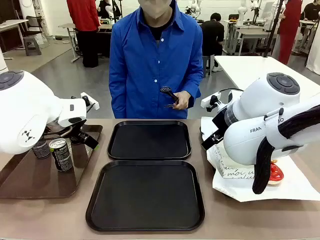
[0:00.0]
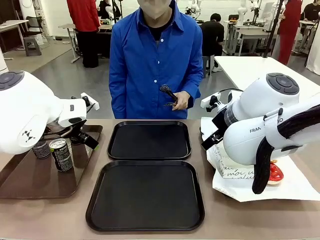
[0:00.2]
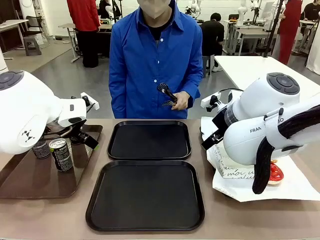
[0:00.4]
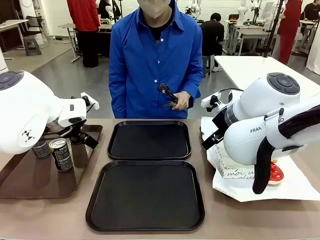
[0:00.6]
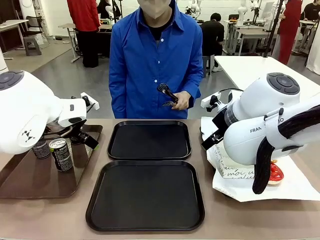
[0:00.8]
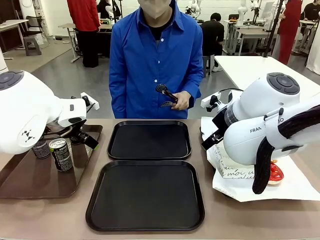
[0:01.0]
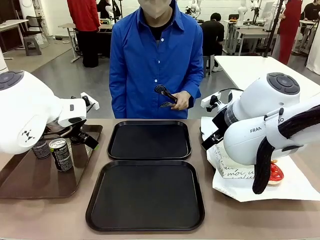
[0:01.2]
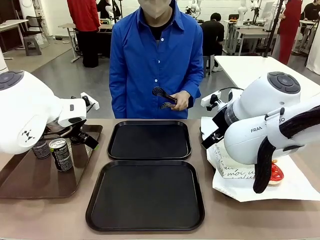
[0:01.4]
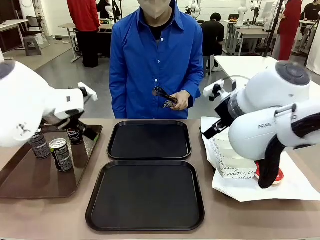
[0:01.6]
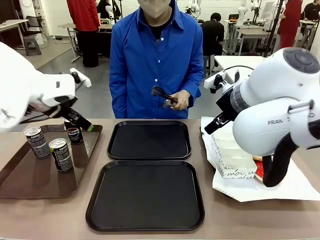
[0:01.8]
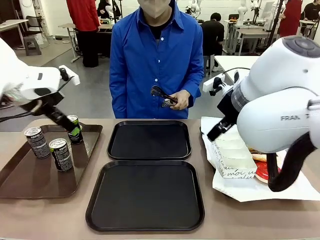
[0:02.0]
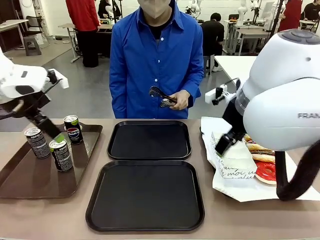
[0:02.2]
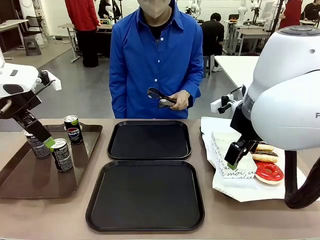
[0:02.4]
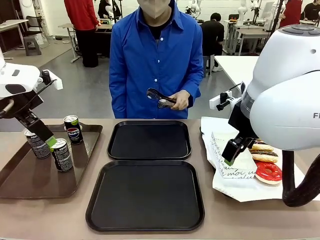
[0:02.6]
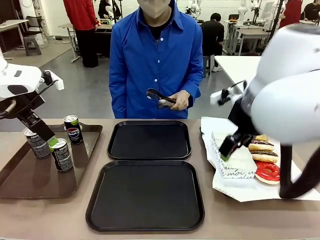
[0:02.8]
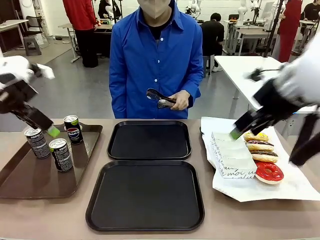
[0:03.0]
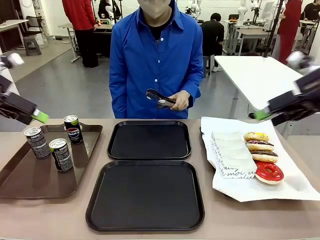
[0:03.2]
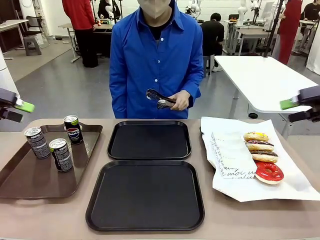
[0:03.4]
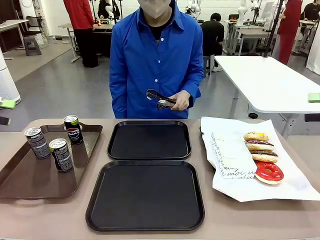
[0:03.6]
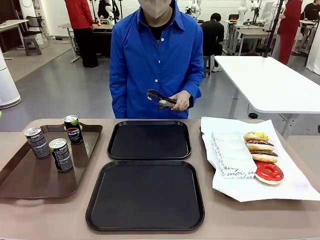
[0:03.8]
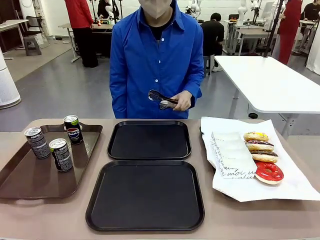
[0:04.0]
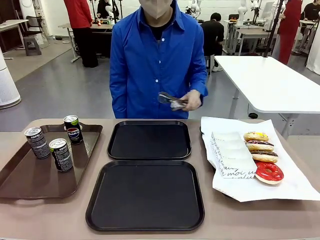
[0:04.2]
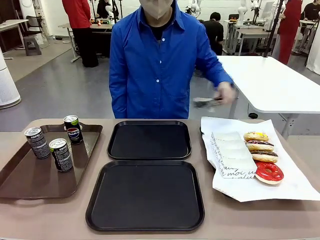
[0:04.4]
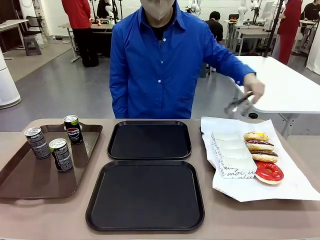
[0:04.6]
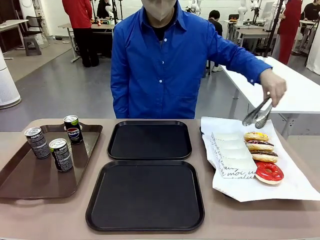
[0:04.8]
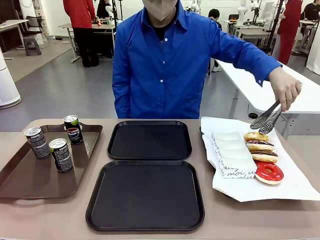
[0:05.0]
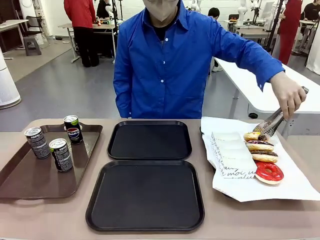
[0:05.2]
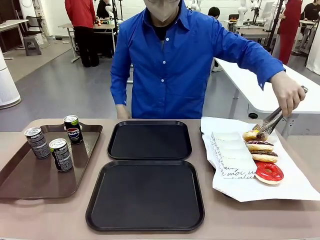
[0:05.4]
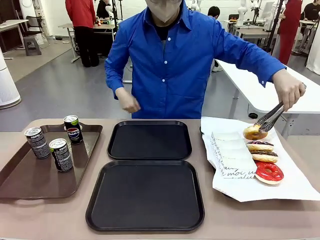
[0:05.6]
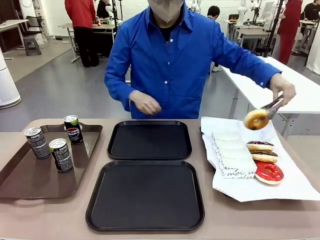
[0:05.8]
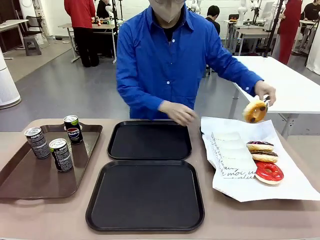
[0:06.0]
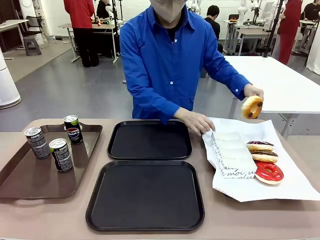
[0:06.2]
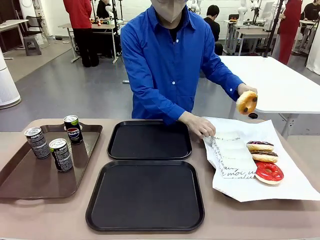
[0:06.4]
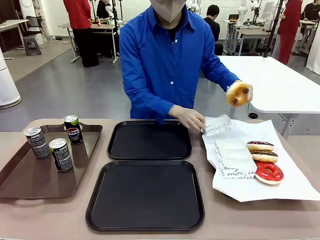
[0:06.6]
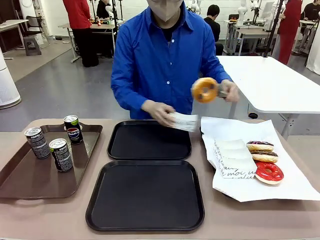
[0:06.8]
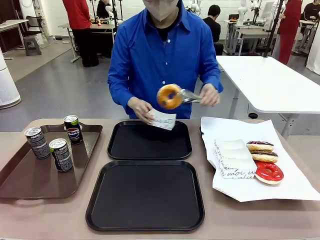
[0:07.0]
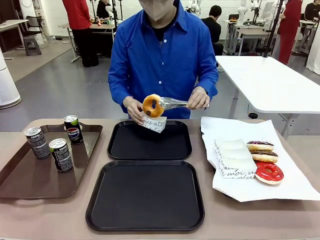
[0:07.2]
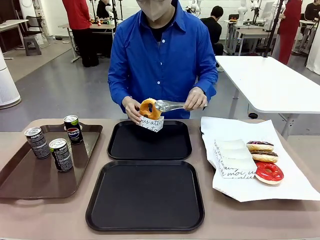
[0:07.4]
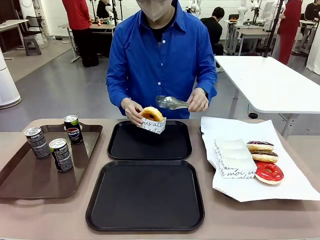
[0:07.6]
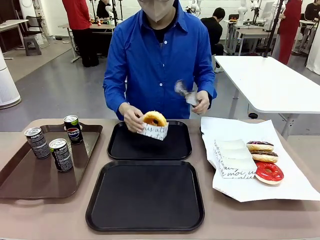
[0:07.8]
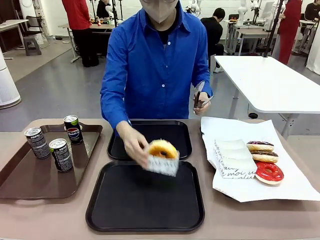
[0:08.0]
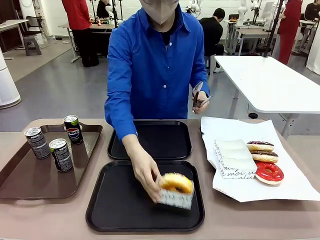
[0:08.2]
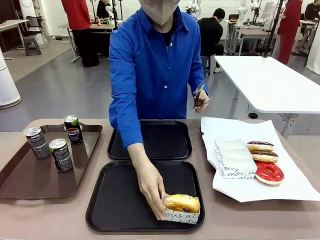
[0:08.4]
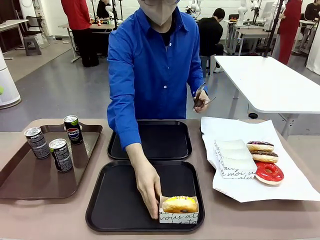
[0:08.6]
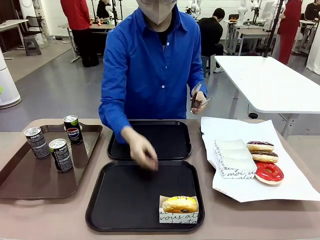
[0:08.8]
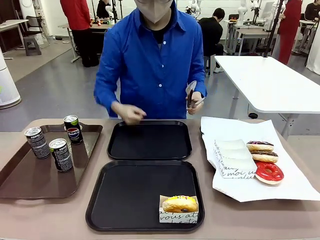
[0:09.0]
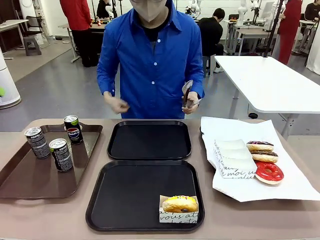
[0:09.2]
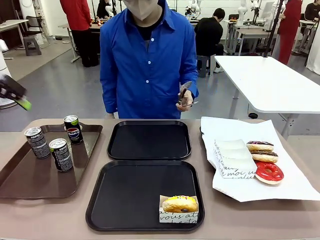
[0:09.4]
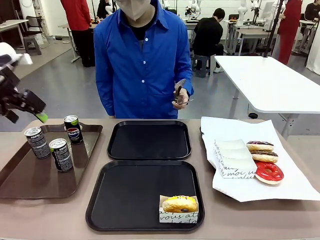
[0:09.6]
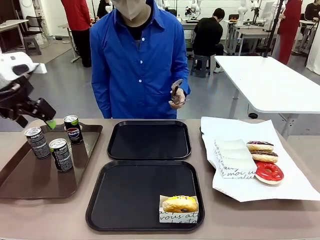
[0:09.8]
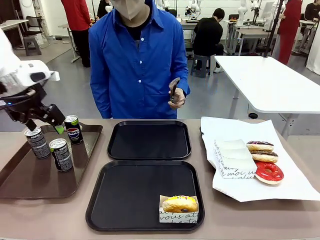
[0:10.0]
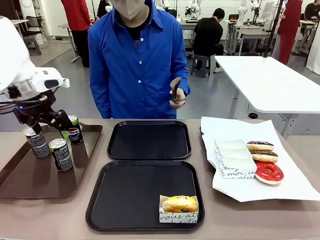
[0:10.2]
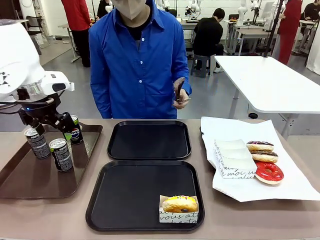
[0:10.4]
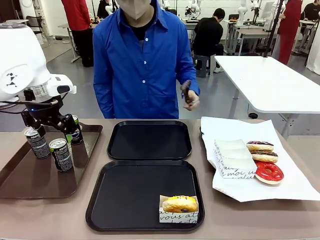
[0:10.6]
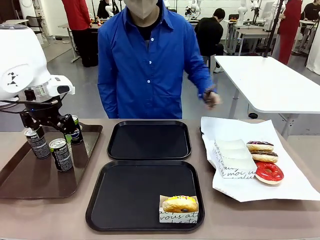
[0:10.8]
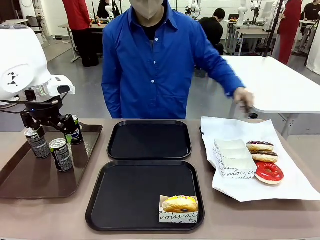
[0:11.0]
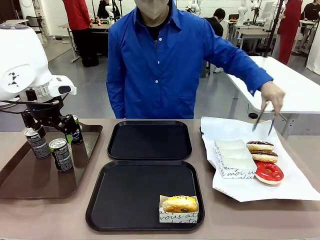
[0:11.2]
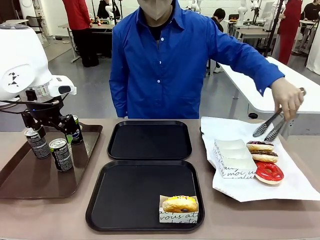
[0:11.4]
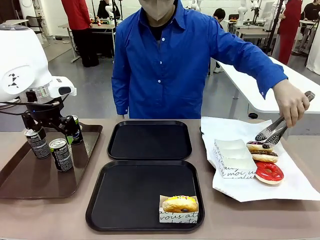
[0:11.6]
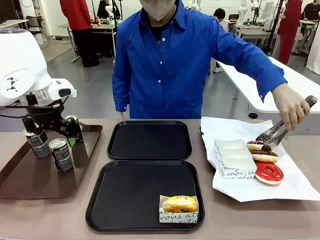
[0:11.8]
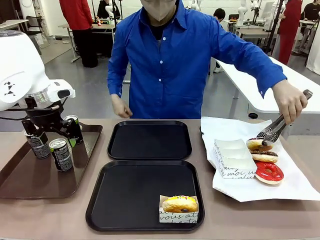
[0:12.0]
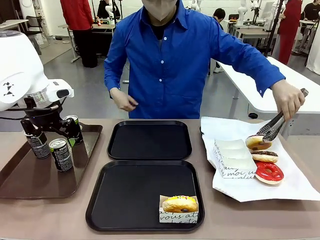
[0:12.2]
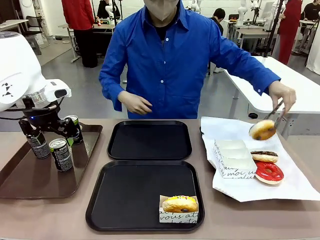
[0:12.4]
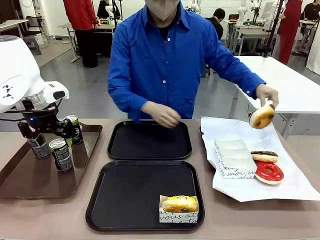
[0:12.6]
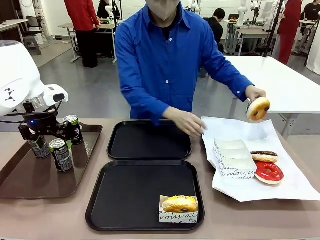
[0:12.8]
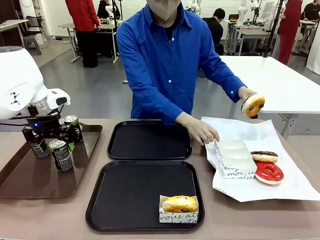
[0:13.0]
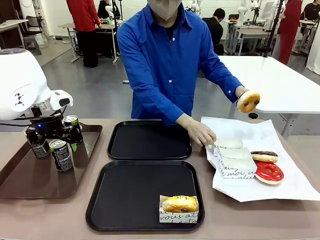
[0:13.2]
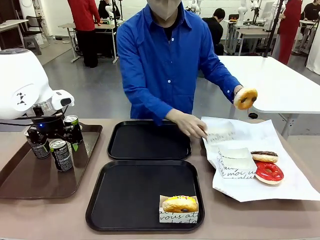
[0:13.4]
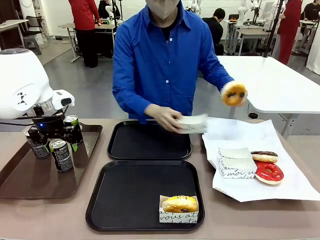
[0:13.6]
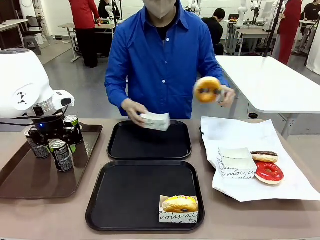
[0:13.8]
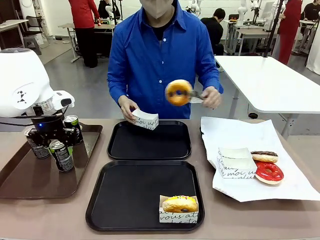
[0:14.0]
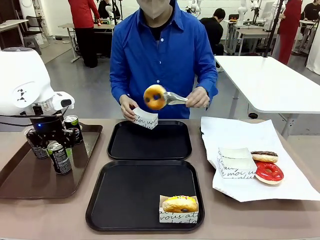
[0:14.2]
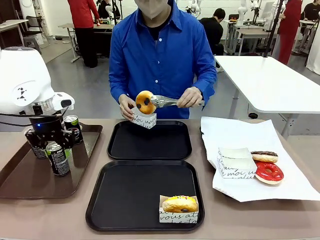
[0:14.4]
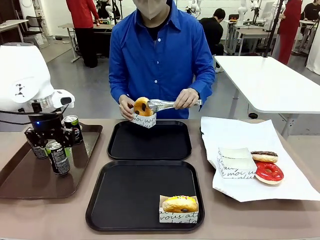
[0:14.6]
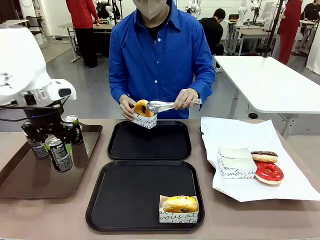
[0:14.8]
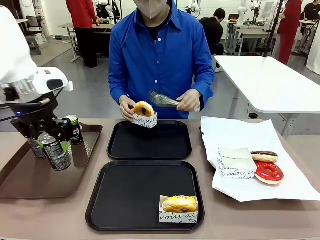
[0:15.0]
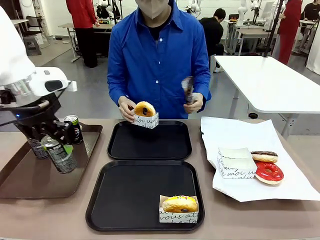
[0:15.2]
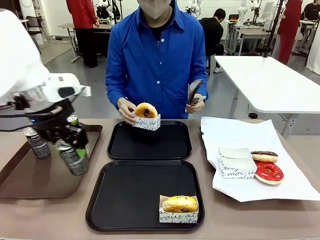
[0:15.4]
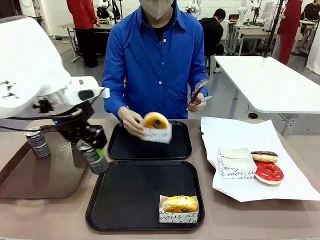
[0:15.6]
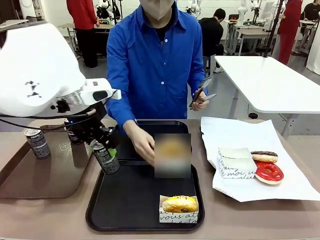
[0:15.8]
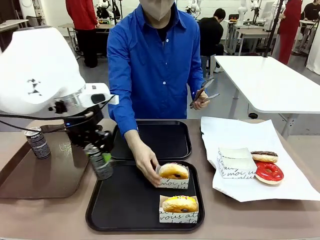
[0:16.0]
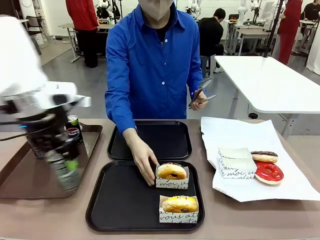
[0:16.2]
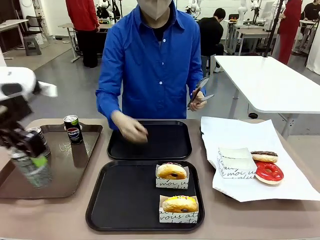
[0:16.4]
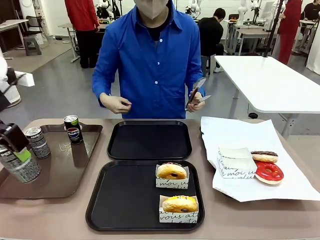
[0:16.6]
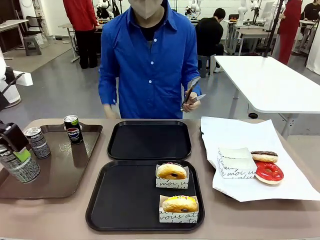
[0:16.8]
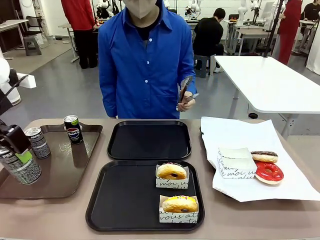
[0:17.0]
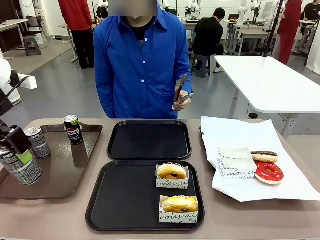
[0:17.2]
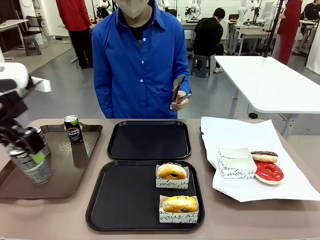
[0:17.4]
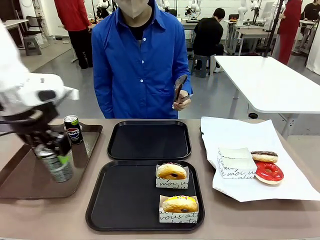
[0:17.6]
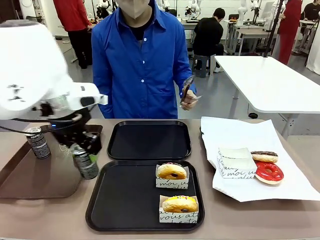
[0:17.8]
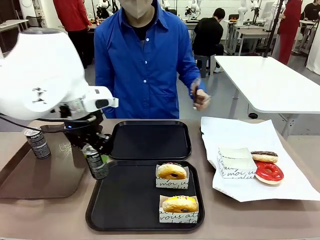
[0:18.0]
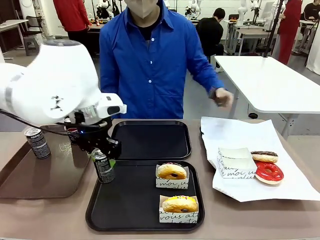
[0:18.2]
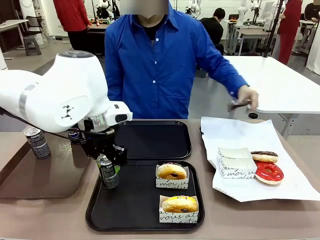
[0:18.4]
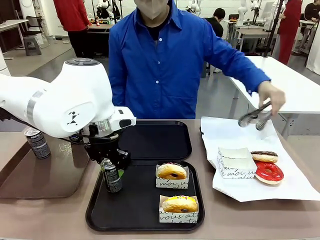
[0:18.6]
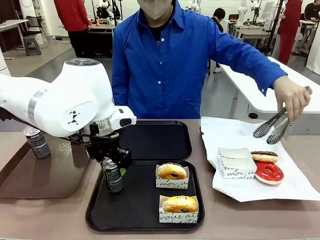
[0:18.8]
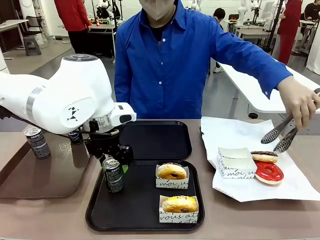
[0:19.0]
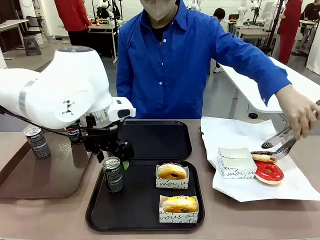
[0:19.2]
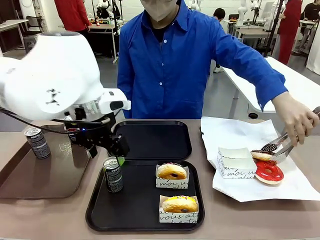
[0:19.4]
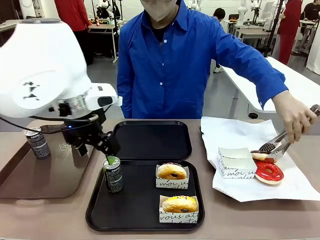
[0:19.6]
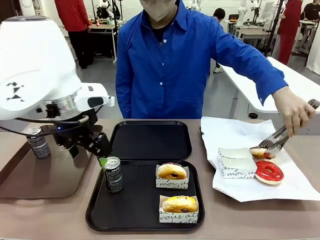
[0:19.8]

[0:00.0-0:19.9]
Task: Set up donuts and drinks on trays.
Robot: Pick up one Pepsi coke and place it on the Flat Tray.
Person: Pick up one donut with tongs, place it in the donut tray, and then place the donut tray on the flat tray.
